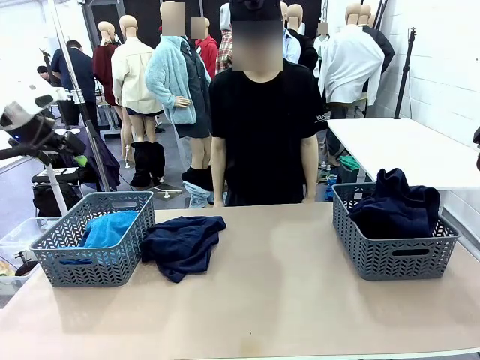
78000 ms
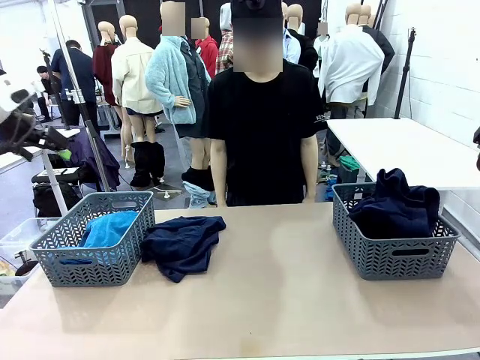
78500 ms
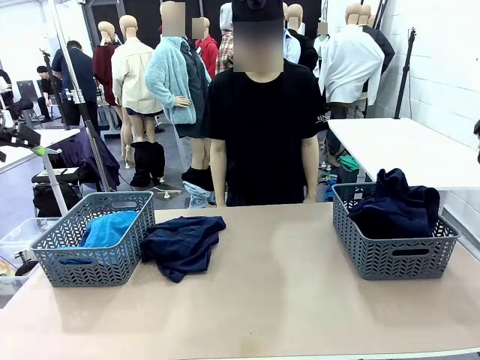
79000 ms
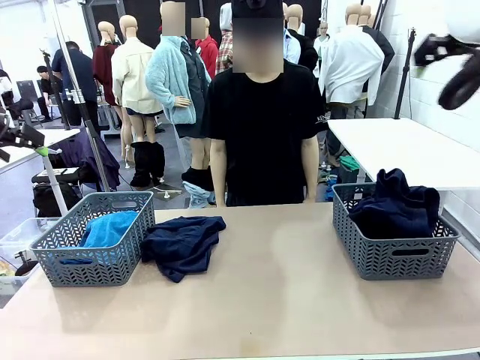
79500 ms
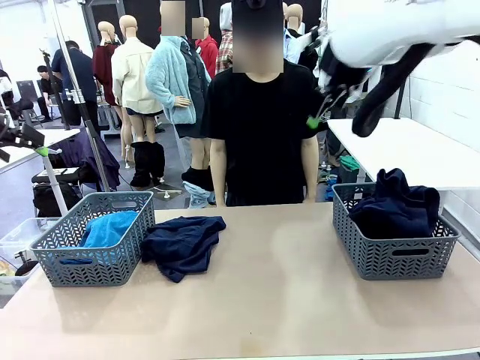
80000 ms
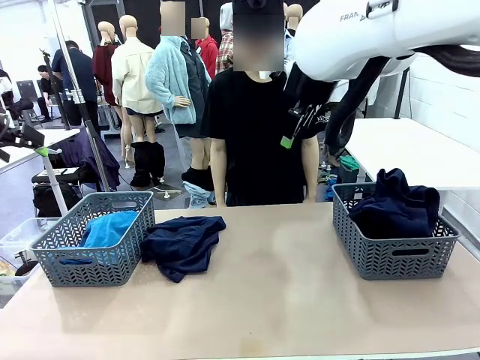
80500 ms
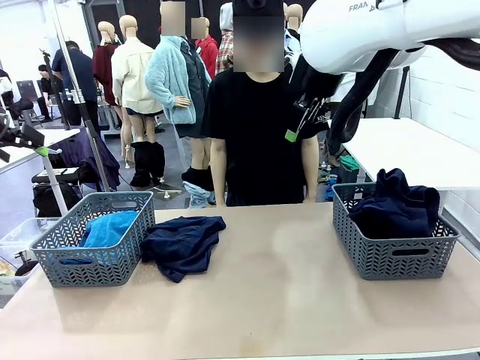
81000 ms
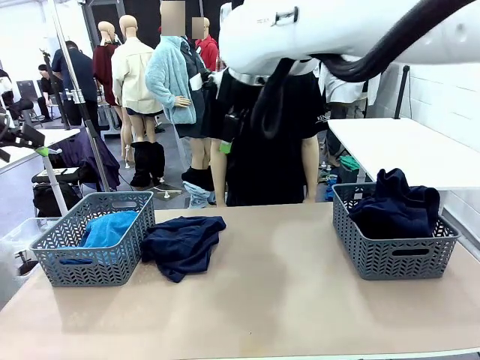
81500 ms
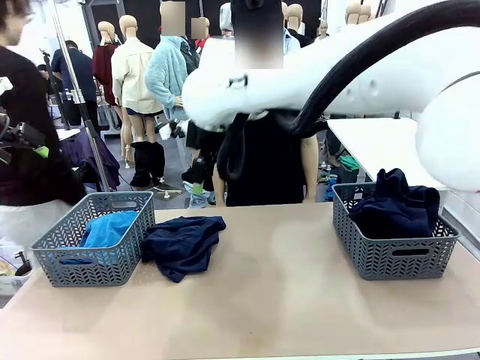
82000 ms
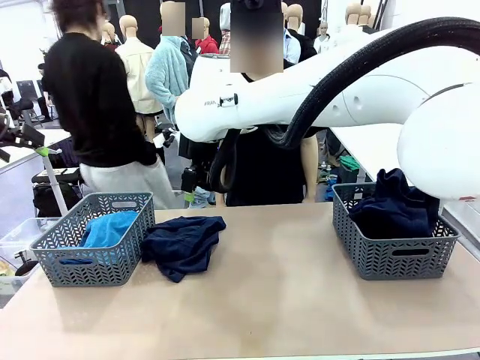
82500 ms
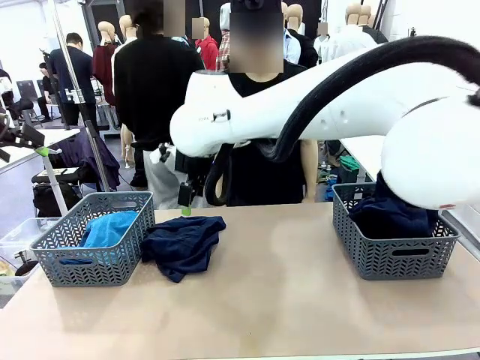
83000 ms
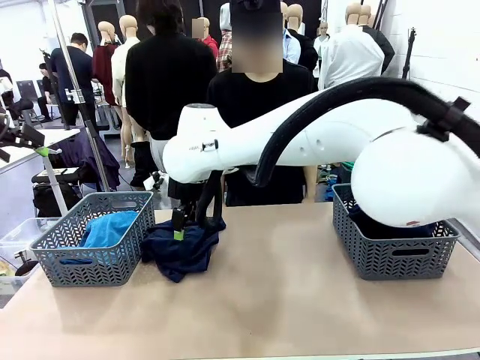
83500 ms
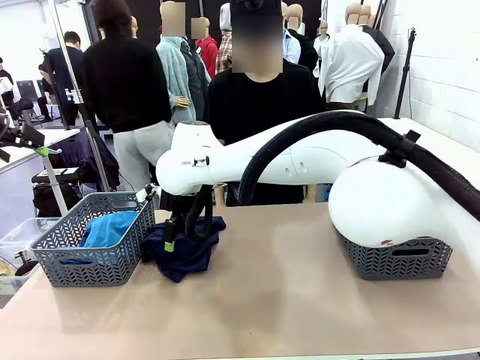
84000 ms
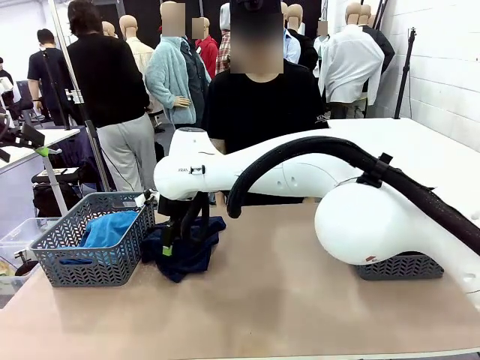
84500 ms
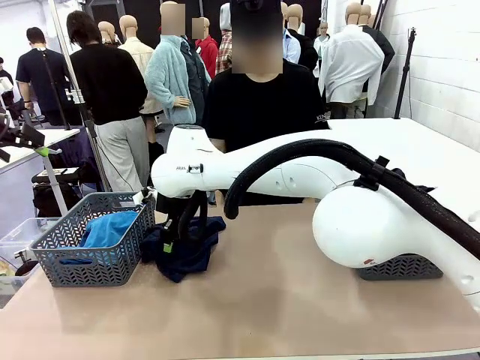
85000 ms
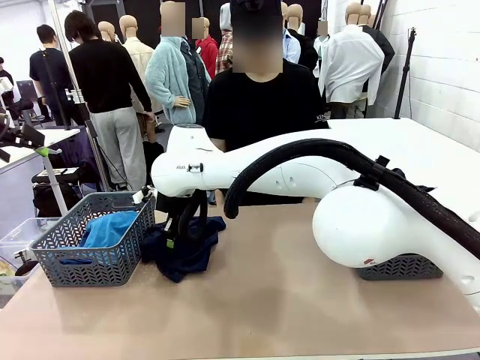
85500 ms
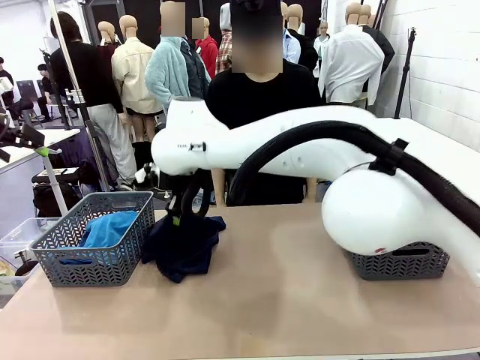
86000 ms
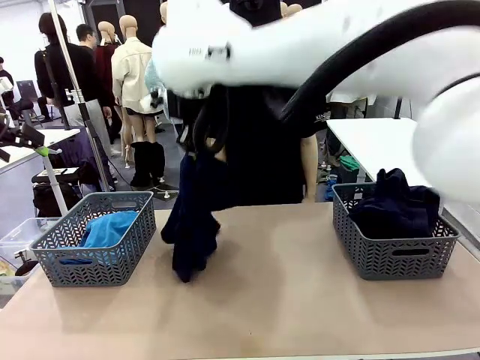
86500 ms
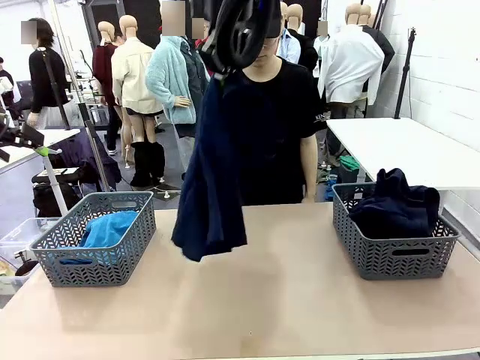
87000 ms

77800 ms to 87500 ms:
Task: Sort the tops and bottoms.
Robot: Lift clothes from the center of the table with your right hand.

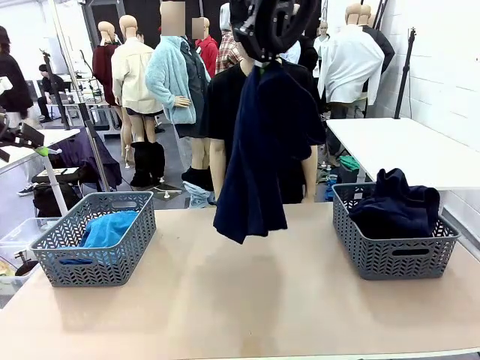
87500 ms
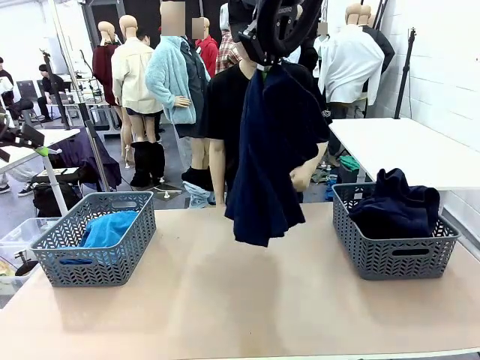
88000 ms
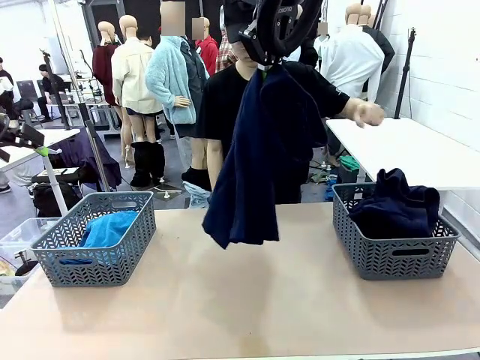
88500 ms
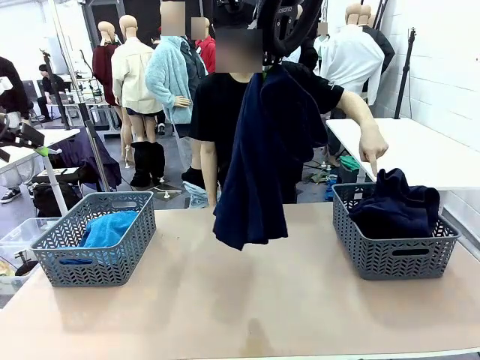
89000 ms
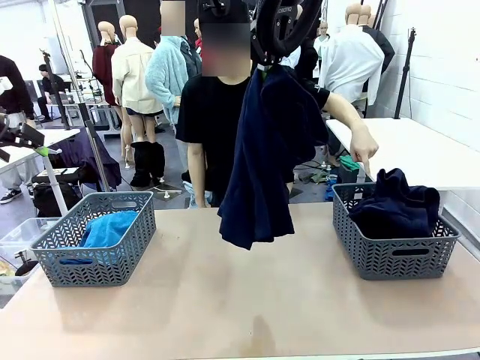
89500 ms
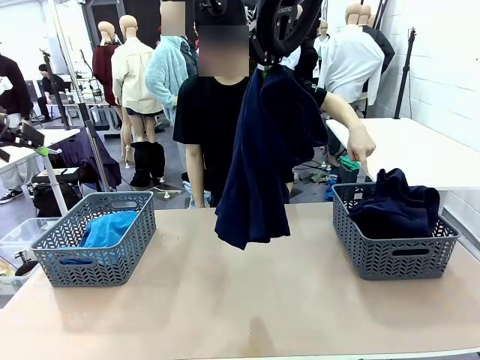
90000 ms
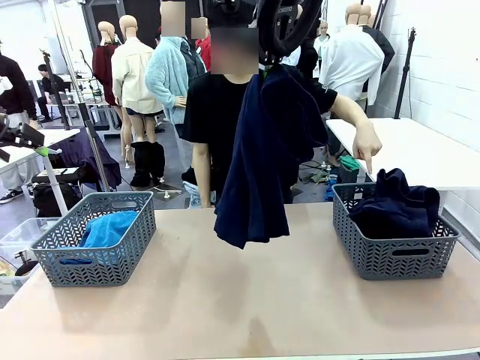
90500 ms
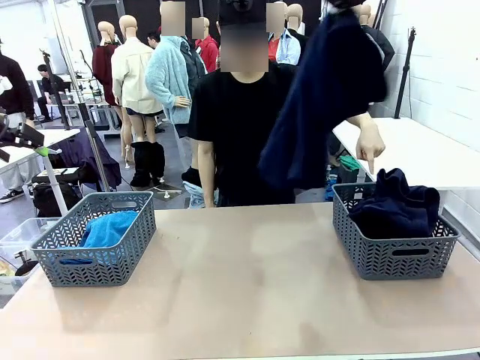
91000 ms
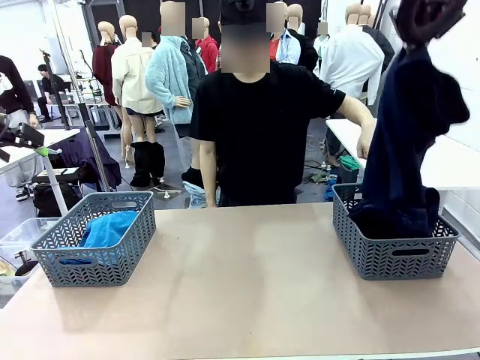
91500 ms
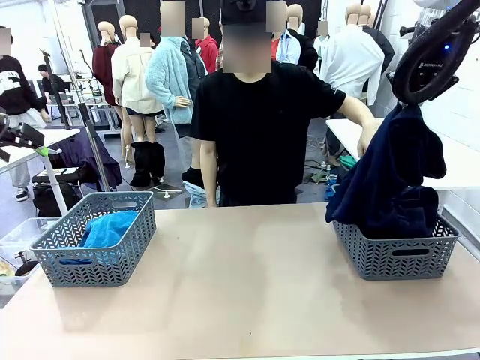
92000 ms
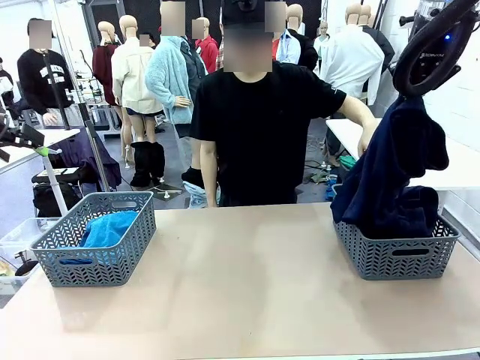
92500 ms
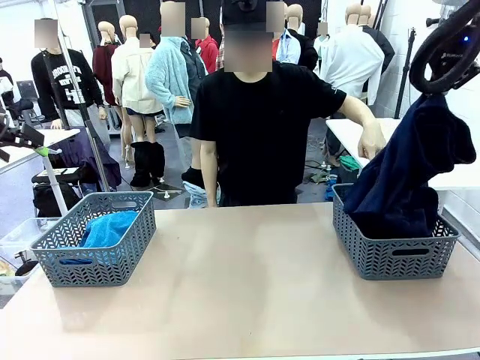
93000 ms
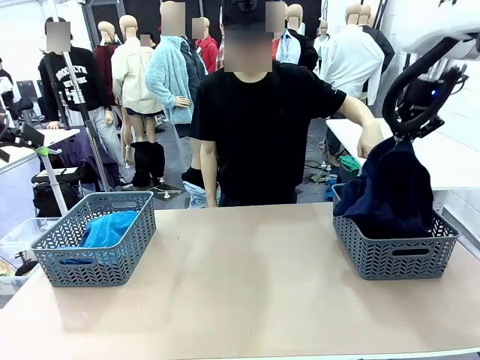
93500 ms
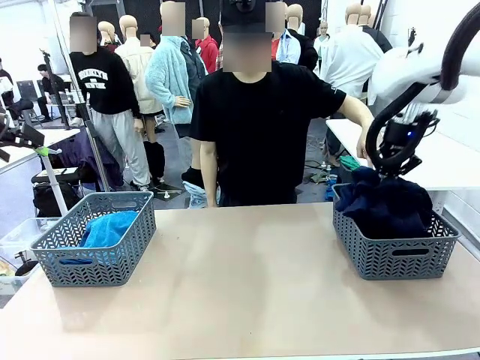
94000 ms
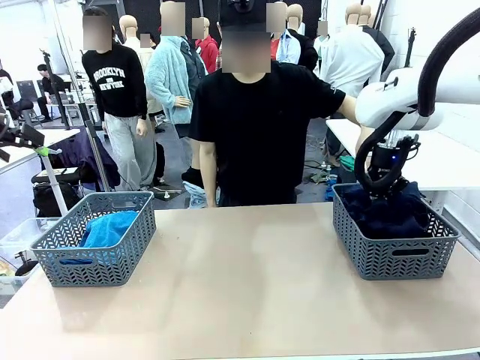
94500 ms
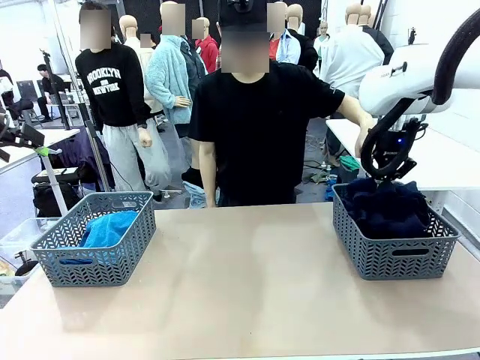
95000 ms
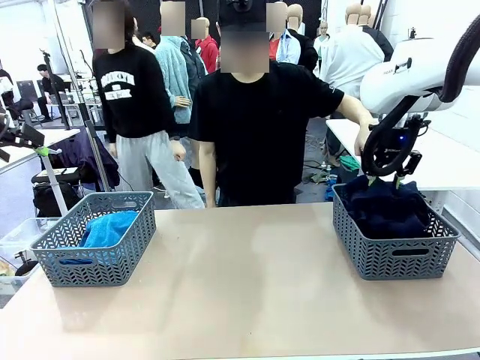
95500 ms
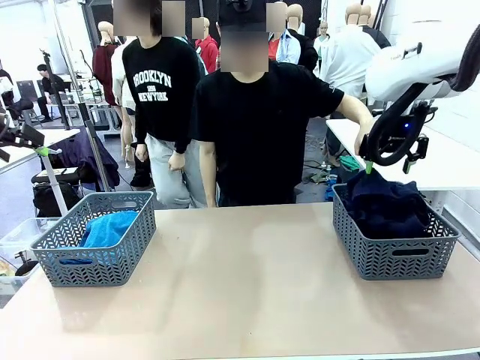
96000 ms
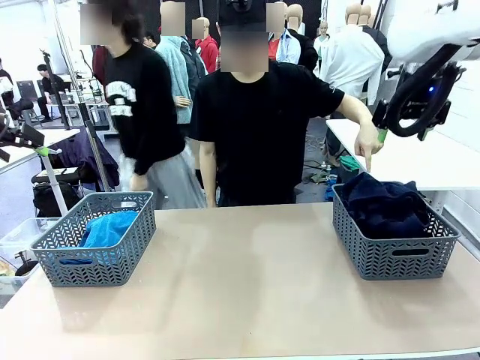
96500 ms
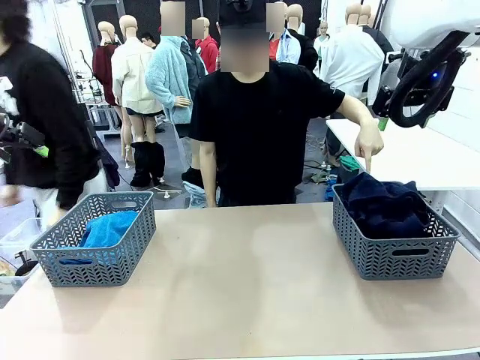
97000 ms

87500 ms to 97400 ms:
Robot: Sort the clothes according to human instructions.

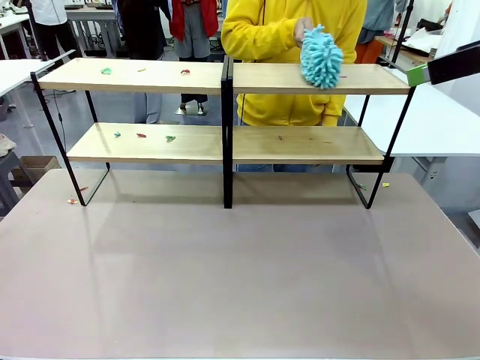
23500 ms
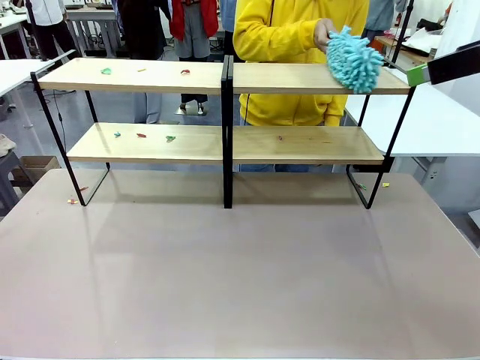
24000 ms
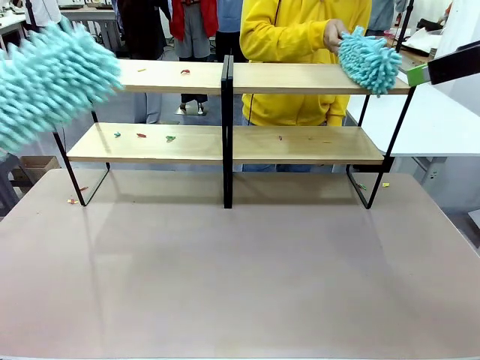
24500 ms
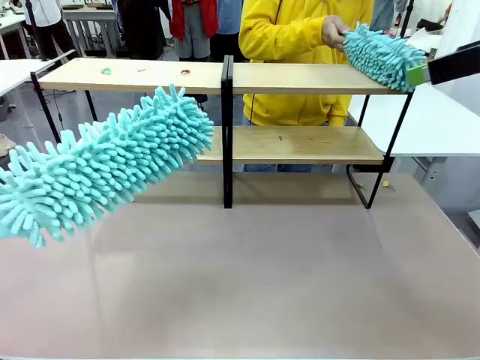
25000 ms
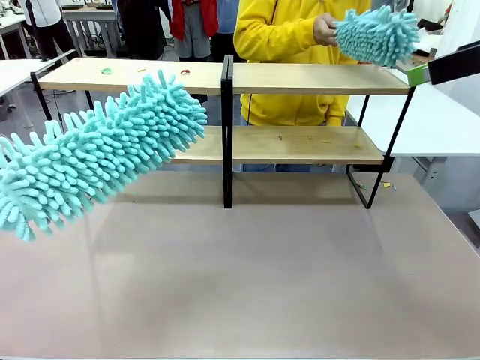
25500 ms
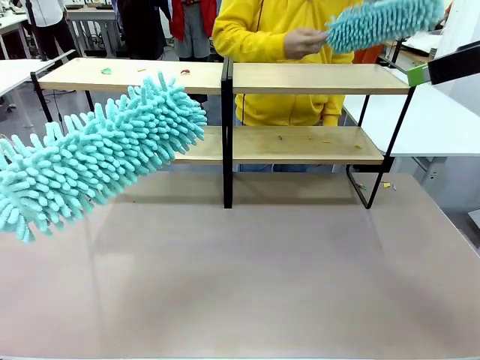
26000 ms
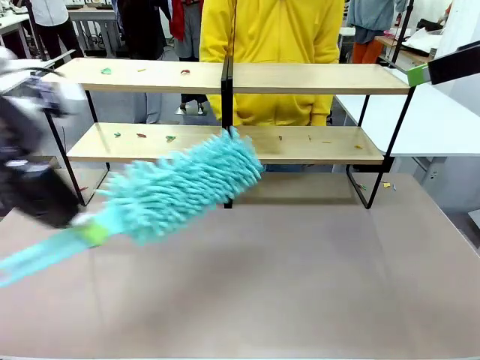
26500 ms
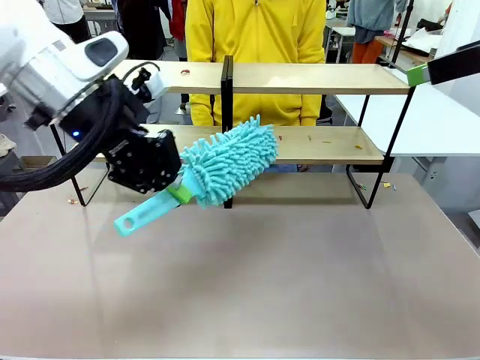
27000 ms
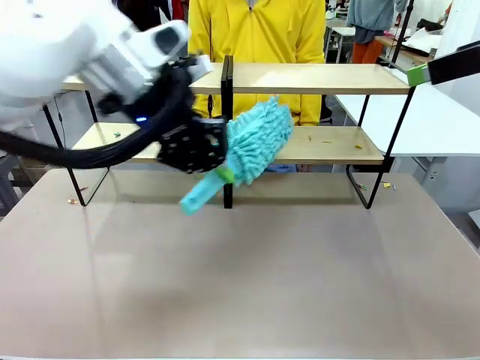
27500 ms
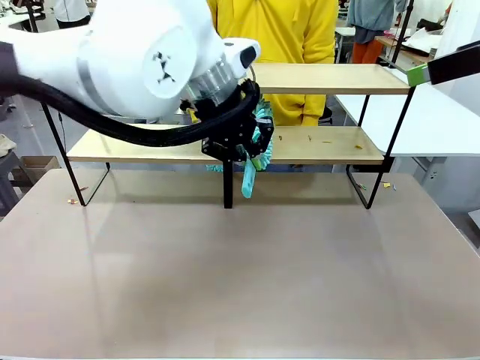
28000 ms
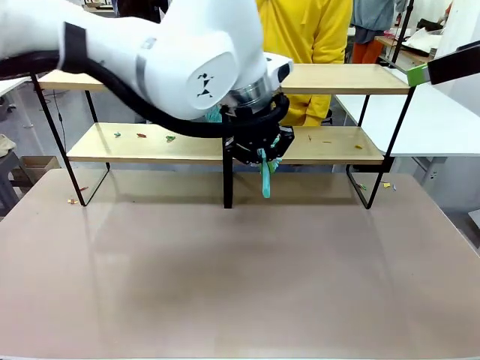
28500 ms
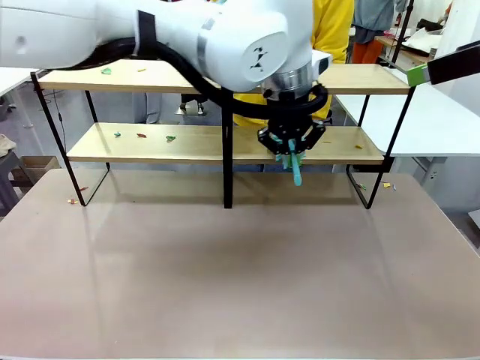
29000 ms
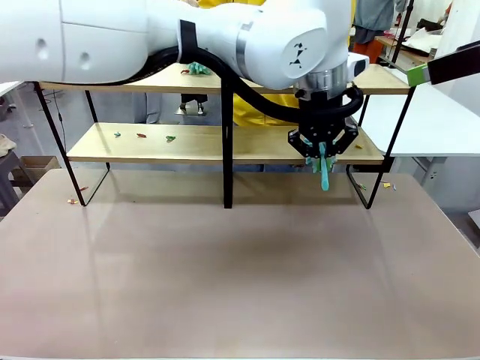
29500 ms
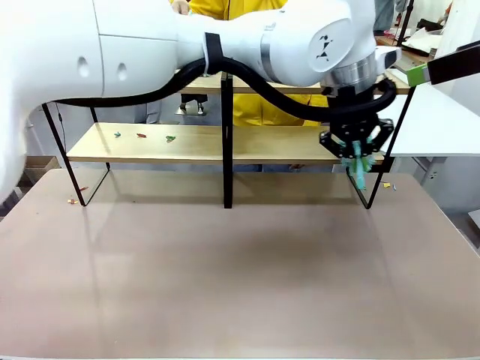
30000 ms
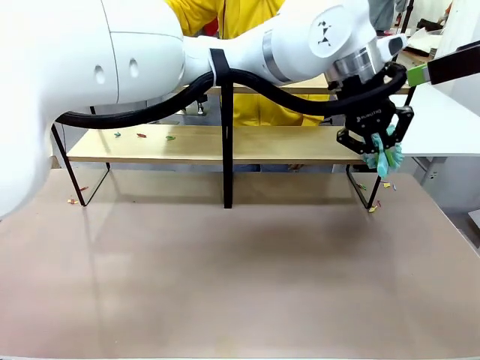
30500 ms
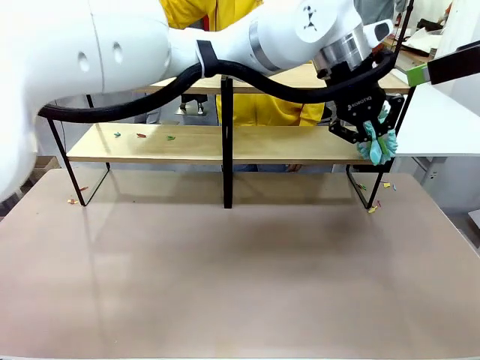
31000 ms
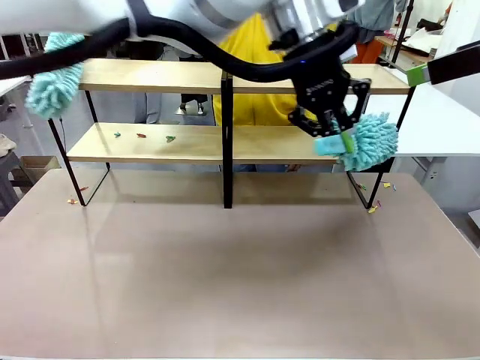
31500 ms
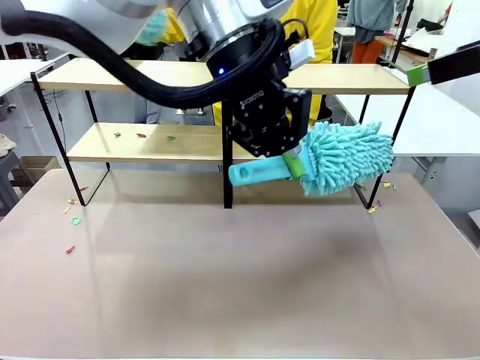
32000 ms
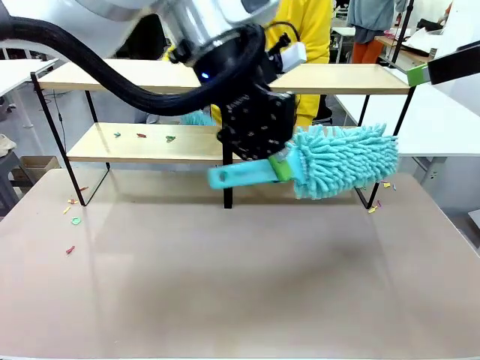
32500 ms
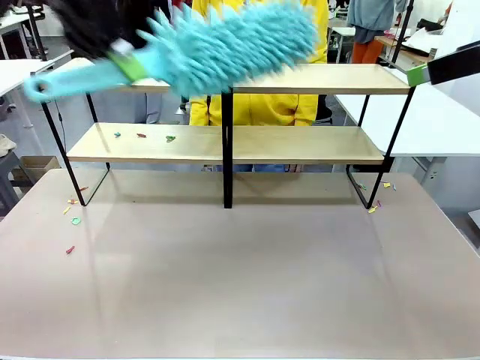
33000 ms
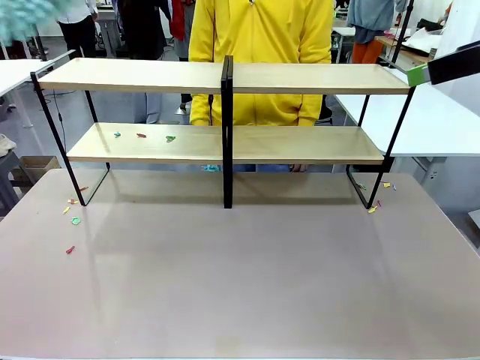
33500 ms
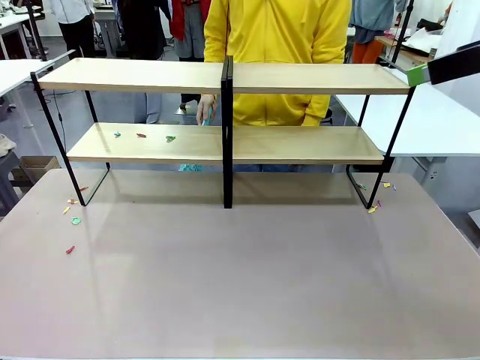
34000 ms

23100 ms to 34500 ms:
Task: Clean the shelves.
Robot: Clean another randomly selected level of the Shelf with the Duster.
